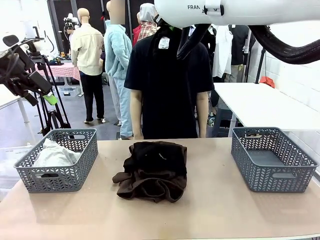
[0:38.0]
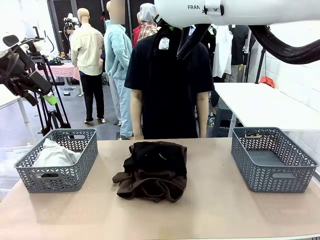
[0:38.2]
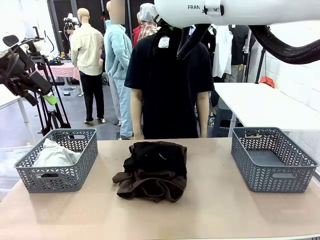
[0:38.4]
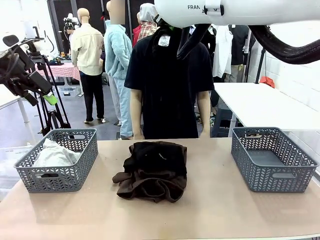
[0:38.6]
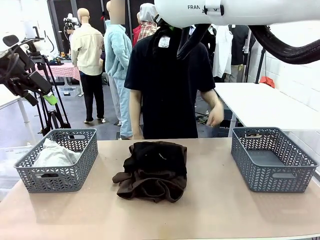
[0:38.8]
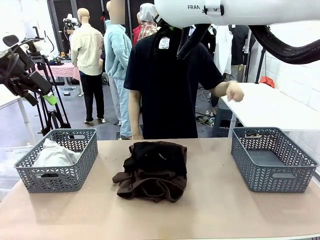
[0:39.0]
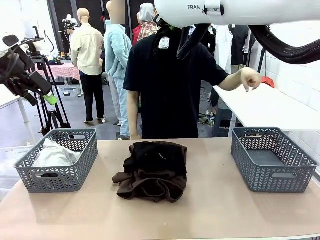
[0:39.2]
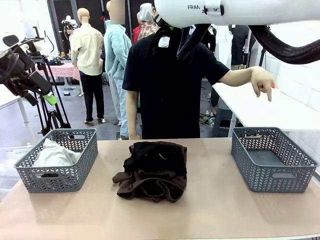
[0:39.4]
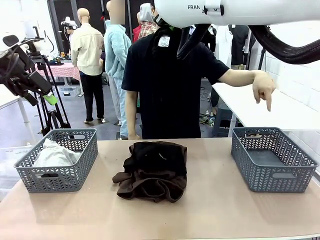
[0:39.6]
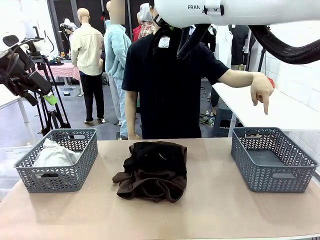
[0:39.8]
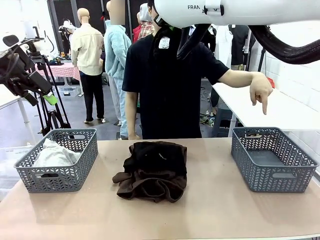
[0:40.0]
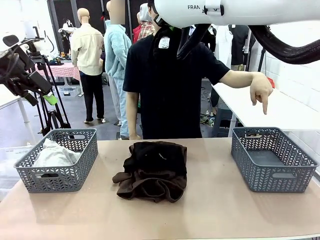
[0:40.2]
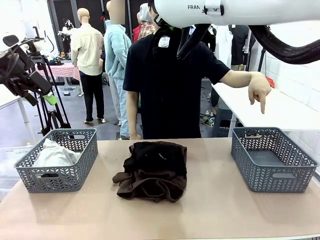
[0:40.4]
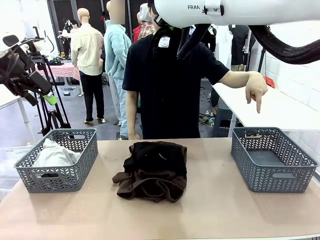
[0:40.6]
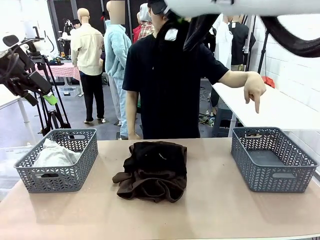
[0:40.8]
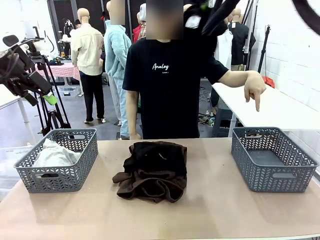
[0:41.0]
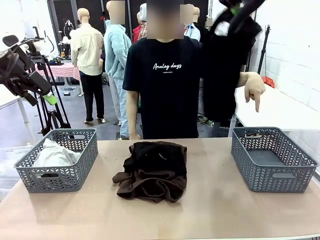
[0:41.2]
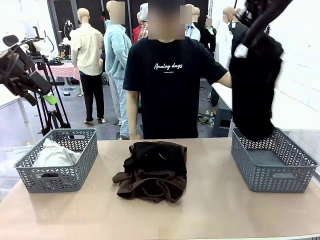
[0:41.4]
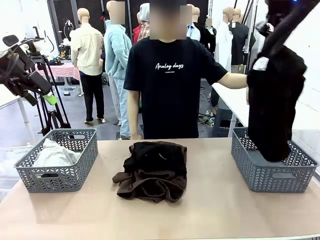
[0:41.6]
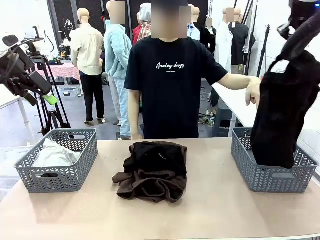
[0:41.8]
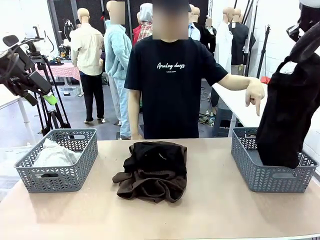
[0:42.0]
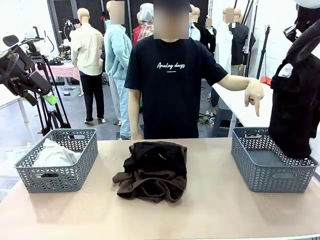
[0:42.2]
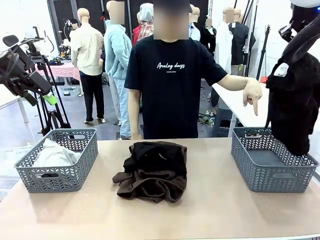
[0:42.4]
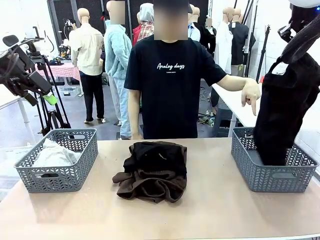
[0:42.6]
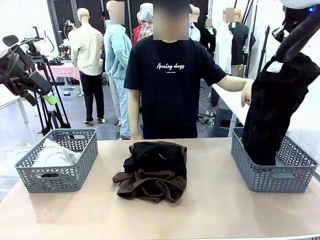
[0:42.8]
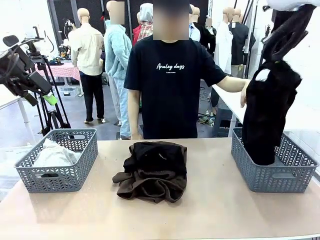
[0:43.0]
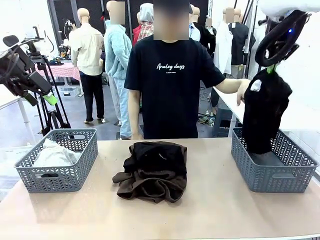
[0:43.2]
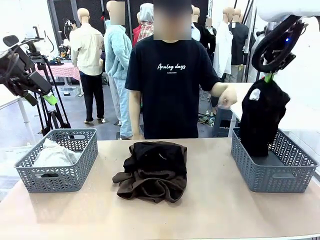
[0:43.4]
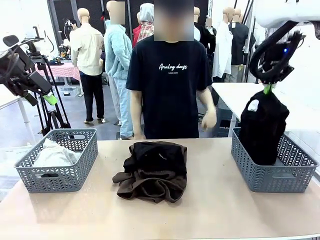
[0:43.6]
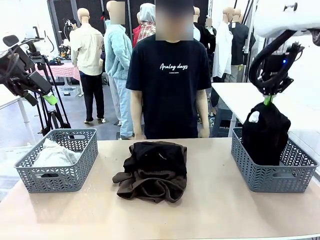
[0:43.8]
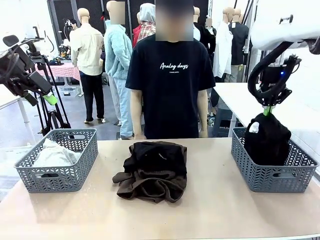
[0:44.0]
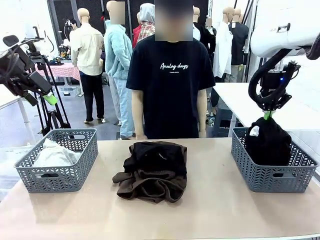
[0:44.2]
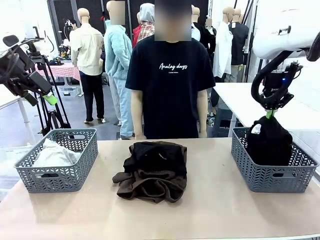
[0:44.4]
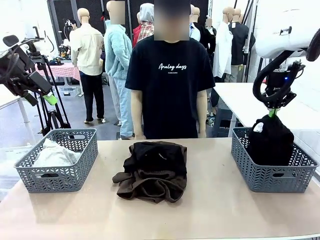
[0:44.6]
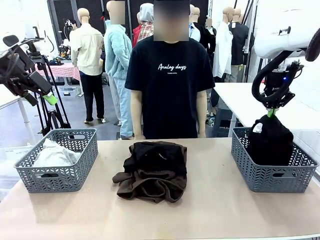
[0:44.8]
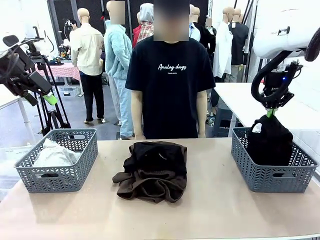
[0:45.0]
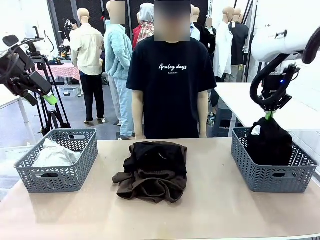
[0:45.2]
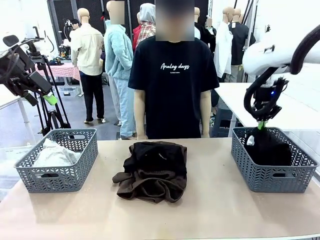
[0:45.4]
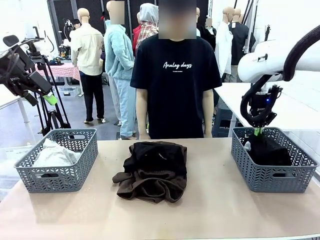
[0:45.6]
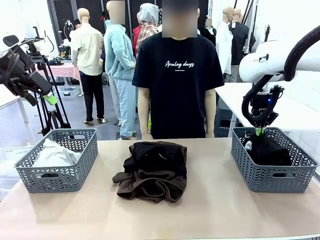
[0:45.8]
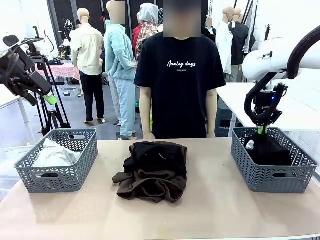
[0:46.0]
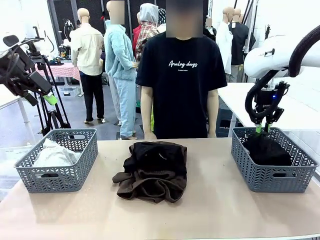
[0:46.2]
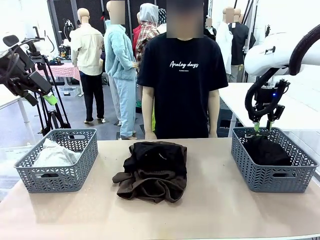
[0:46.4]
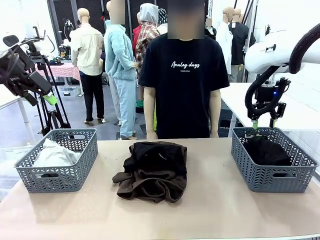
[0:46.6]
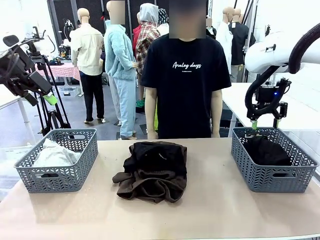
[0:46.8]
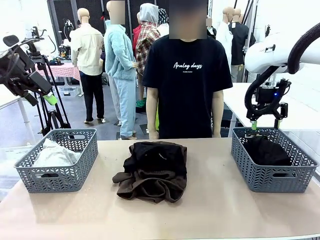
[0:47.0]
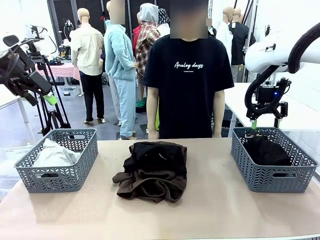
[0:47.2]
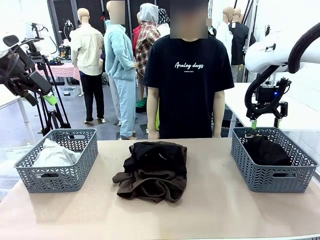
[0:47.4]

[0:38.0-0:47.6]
Task: Sort the tops and bottoms.
Robot: Sort the clothes according to human instructions.

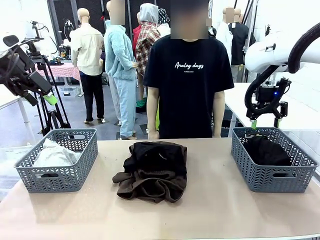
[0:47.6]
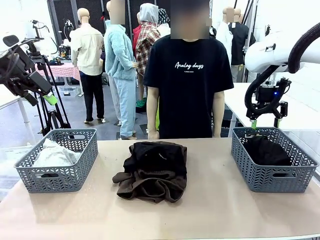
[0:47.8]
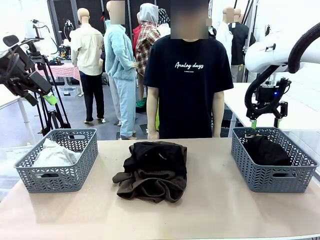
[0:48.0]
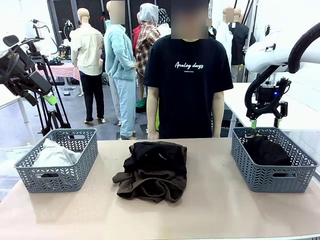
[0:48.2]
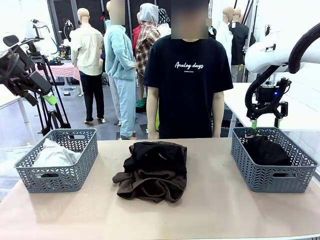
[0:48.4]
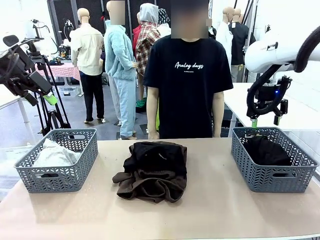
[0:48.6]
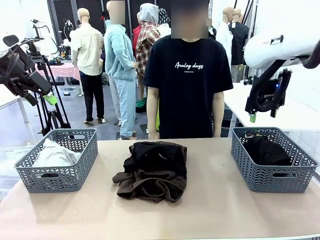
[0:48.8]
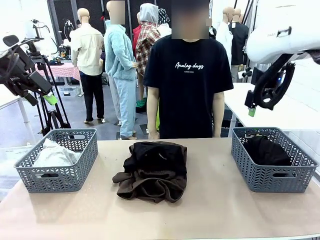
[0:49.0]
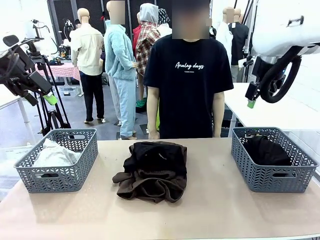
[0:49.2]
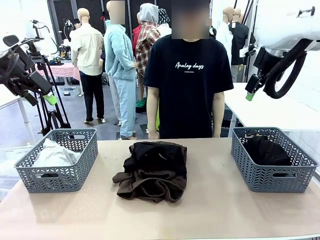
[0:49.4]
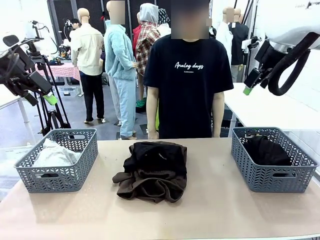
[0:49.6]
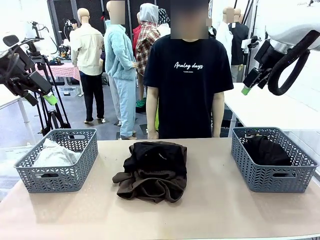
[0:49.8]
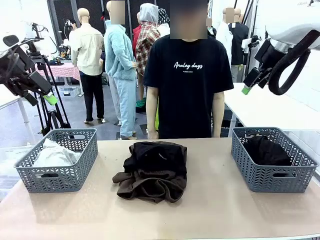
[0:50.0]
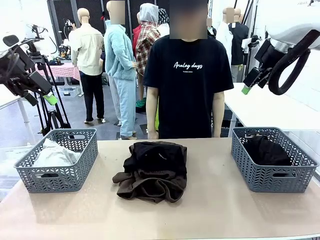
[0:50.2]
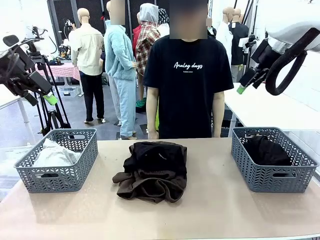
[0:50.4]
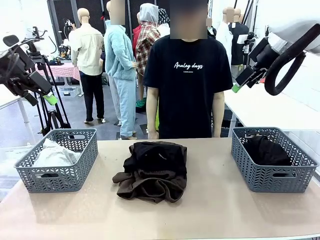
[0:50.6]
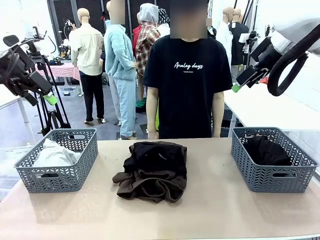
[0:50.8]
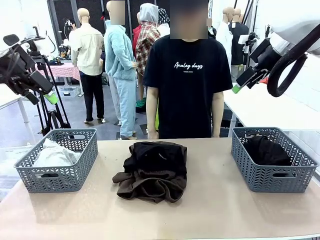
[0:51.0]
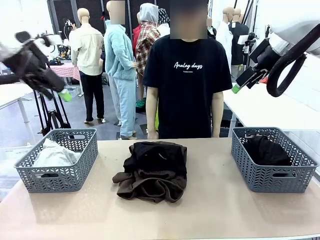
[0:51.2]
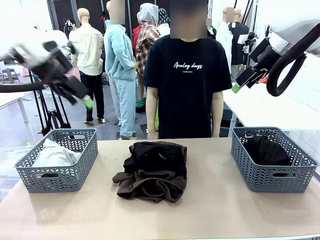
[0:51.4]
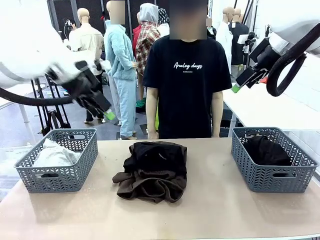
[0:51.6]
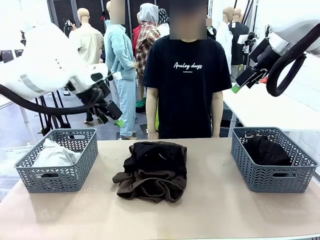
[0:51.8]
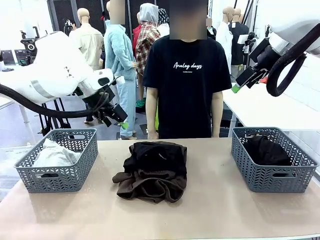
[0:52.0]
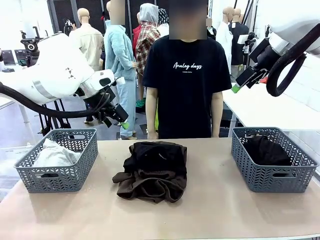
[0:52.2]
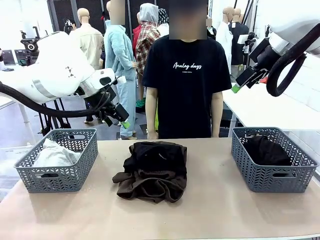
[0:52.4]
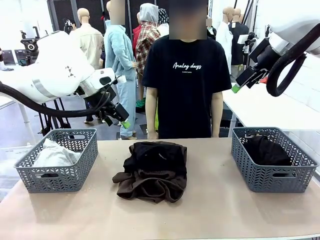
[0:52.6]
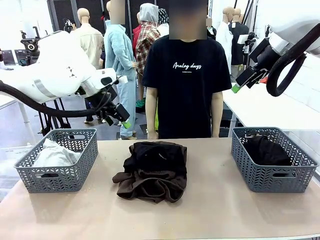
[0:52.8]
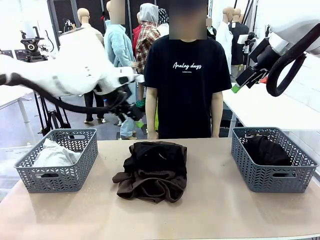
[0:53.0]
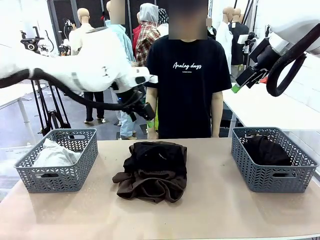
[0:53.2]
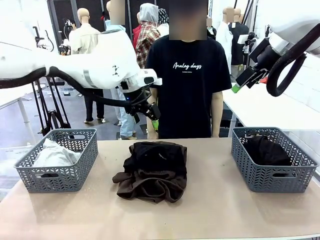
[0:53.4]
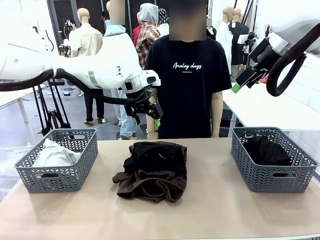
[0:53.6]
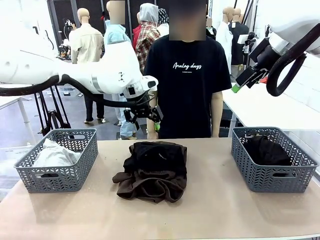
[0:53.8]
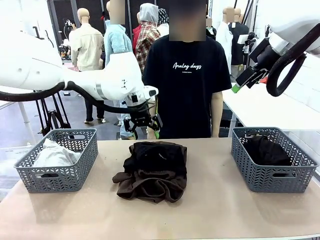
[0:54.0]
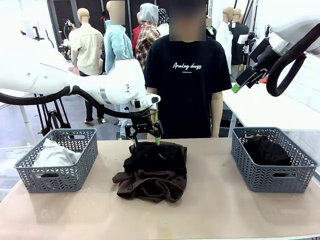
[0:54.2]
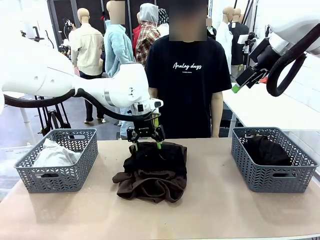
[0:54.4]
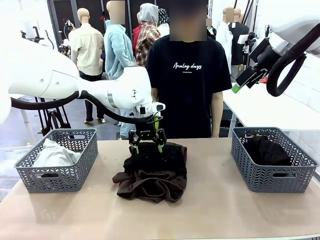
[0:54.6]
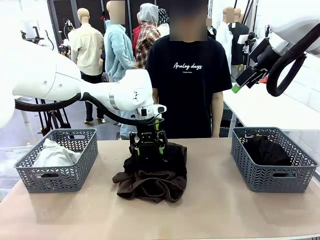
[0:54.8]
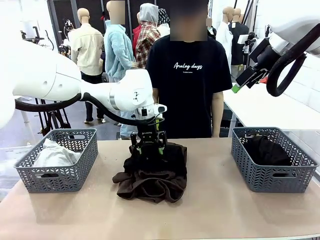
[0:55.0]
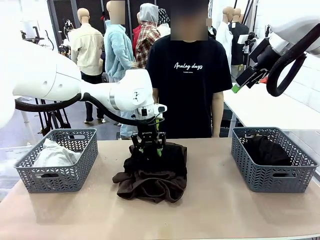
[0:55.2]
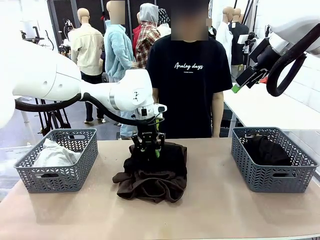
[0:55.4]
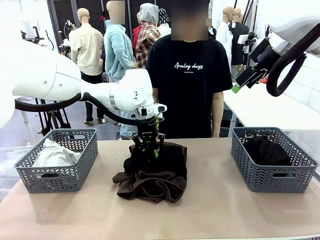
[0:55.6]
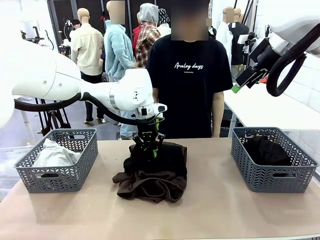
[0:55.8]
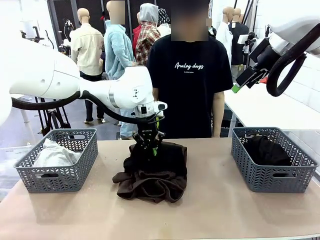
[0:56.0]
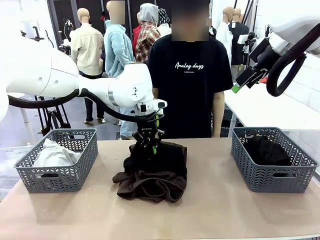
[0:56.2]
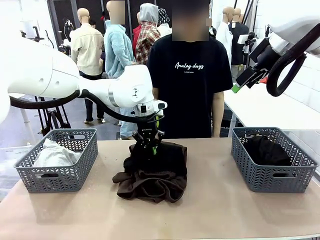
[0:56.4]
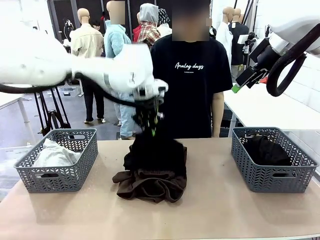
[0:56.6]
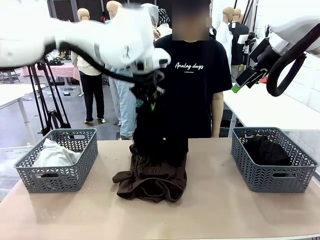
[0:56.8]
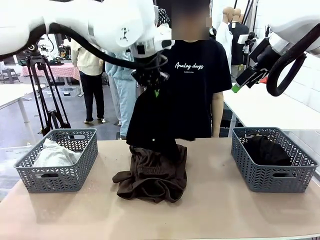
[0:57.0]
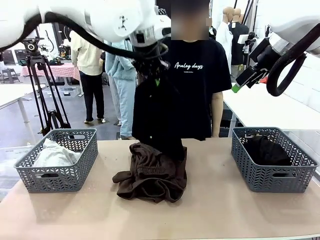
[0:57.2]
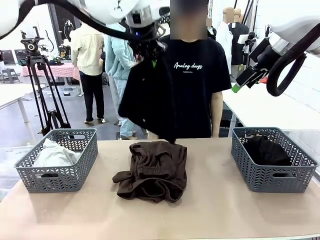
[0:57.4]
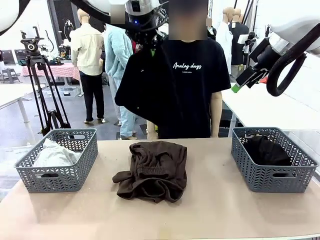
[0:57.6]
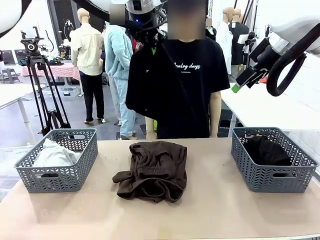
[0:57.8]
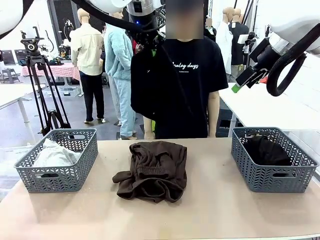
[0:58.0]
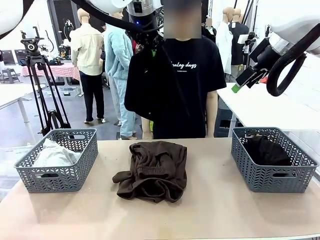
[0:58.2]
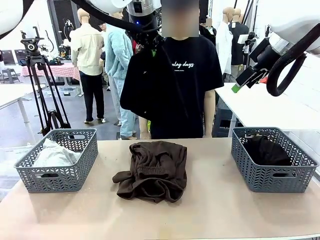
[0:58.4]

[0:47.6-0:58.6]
Robot: Lift clothes from the center of the table with your left hand.
